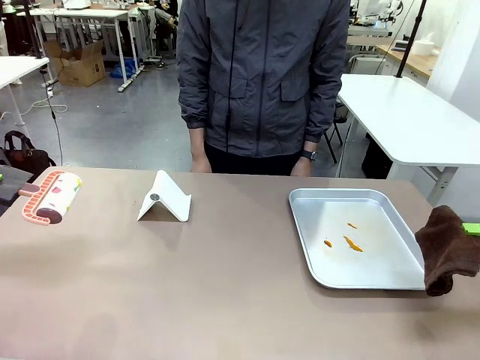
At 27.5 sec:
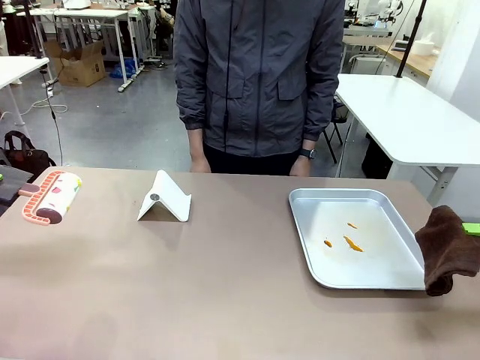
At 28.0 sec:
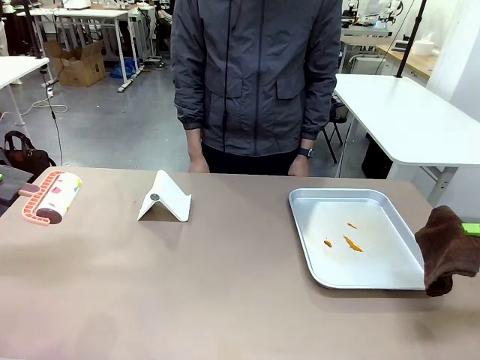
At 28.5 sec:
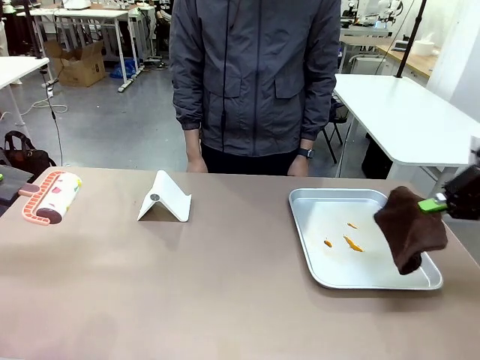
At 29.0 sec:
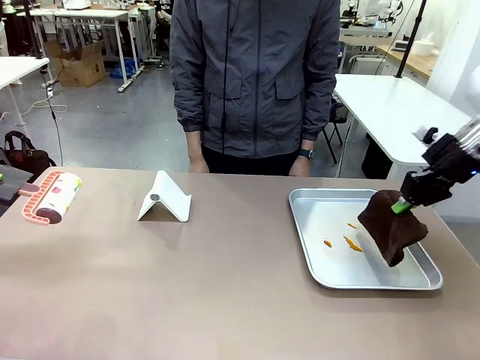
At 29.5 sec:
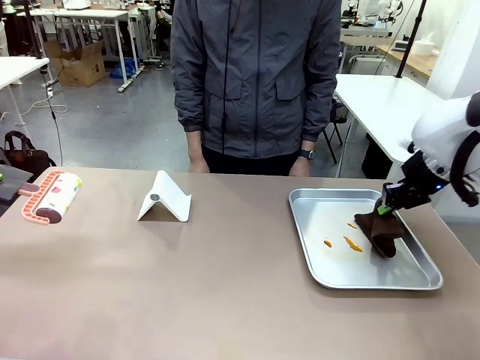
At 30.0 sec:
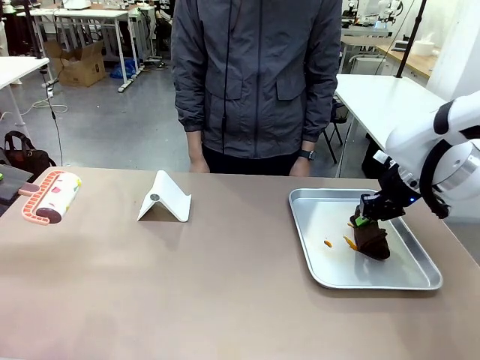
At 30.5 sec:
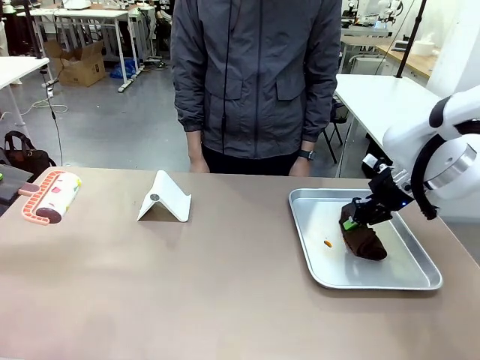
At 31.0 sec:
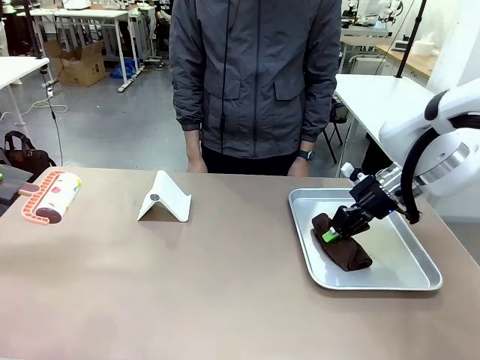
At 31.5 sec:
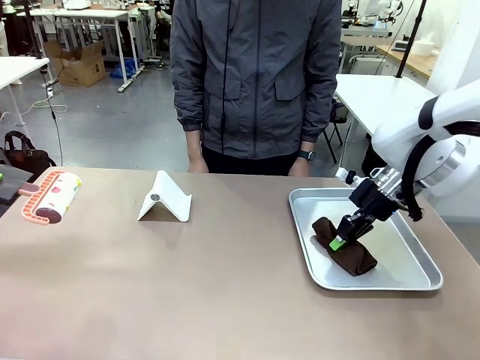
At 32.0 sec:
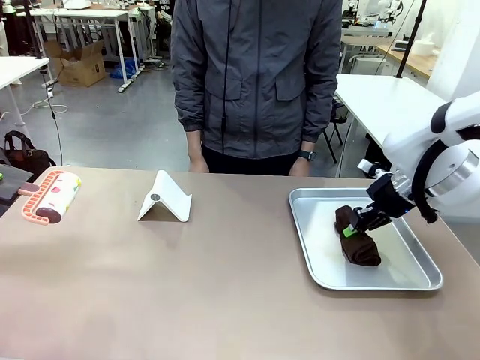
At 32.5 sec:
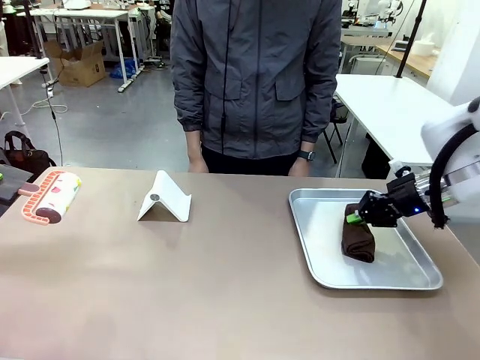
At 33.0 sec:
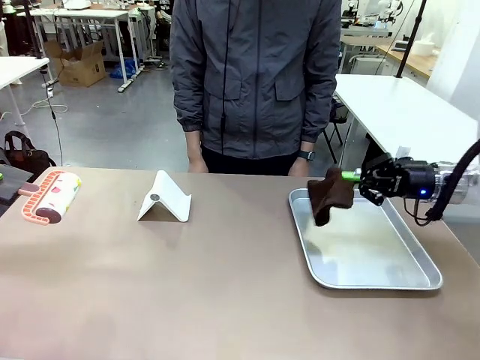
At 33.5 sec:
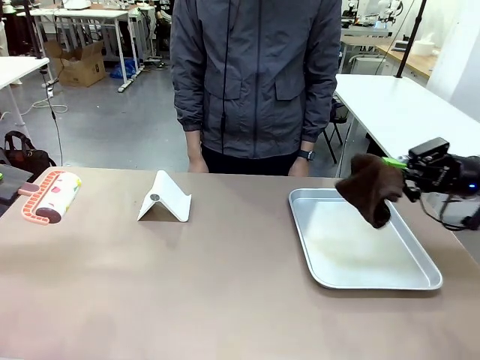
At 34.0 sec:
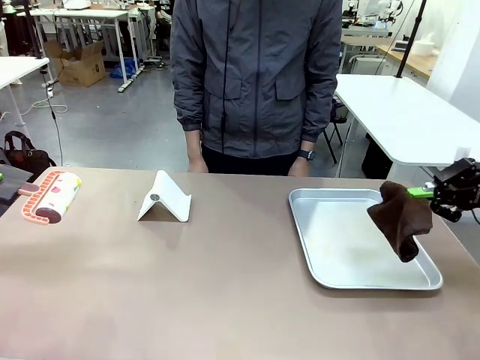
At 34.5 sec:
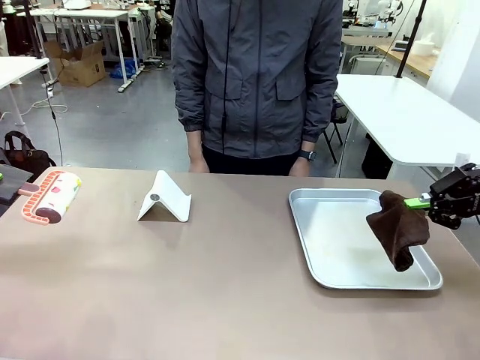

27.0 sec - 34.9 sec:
Task: Clean the surface of the table.
Robot: Clean the area not pointed to by the person.

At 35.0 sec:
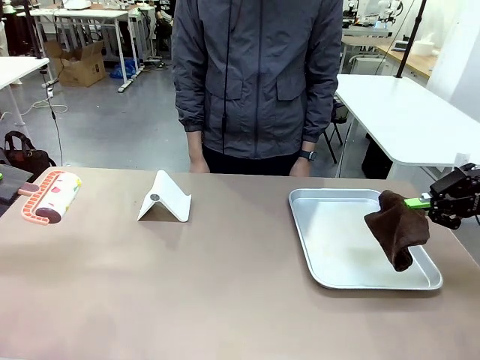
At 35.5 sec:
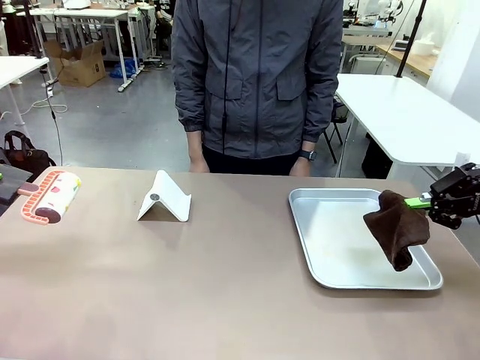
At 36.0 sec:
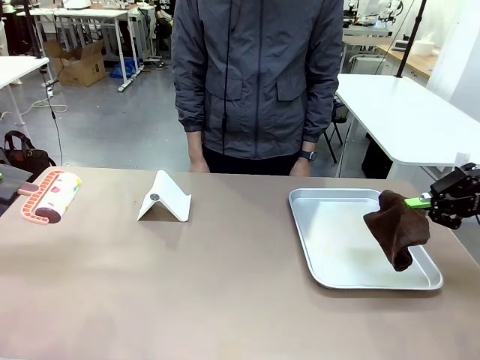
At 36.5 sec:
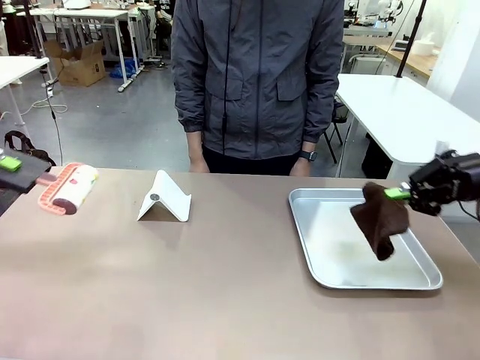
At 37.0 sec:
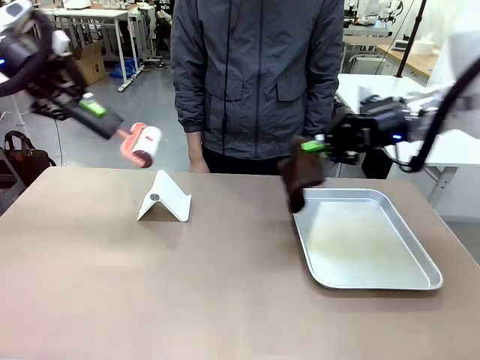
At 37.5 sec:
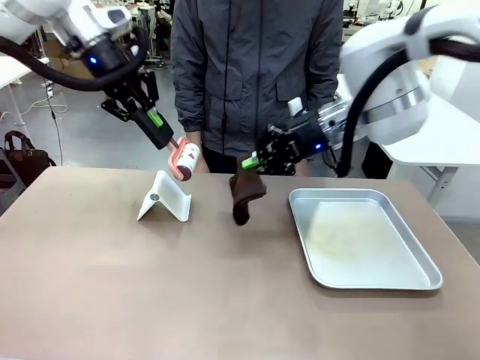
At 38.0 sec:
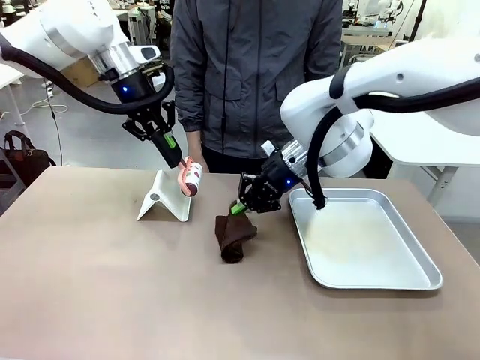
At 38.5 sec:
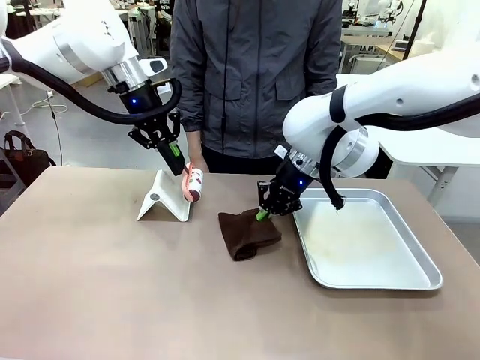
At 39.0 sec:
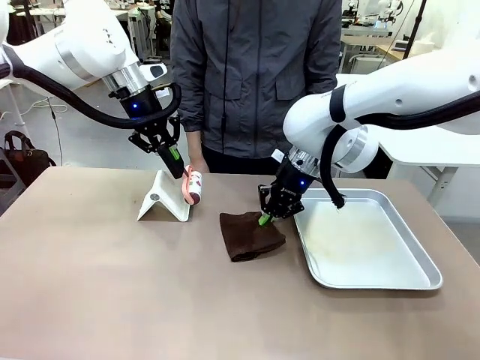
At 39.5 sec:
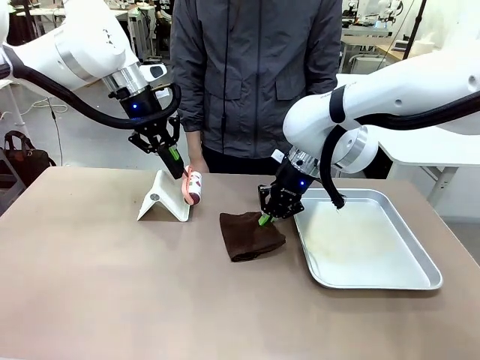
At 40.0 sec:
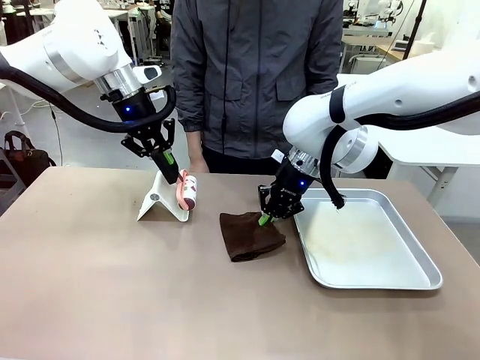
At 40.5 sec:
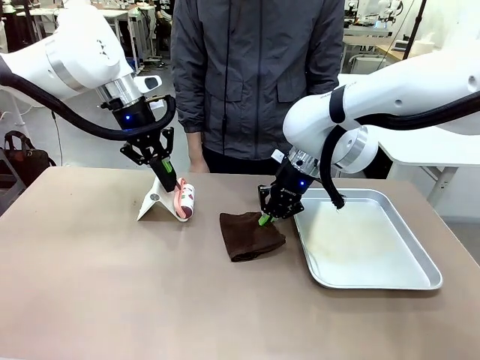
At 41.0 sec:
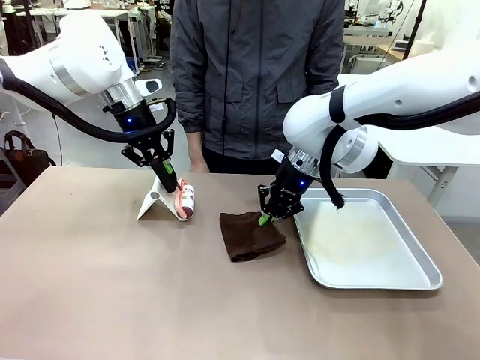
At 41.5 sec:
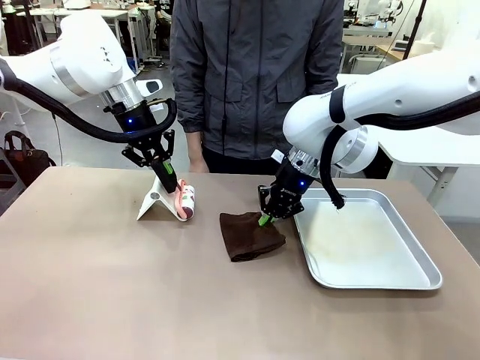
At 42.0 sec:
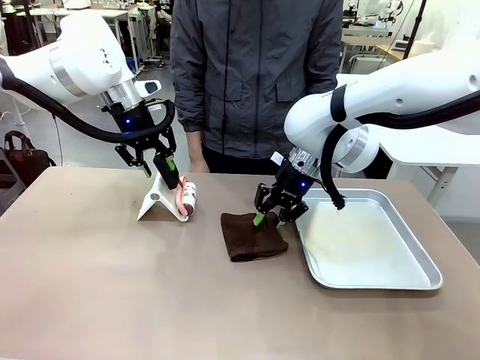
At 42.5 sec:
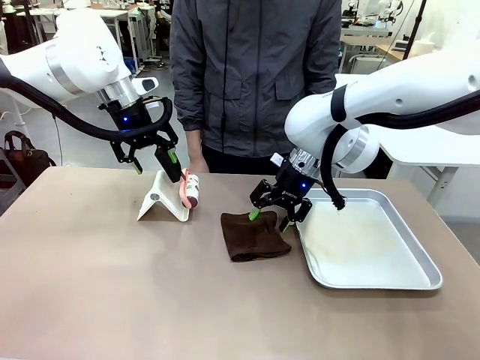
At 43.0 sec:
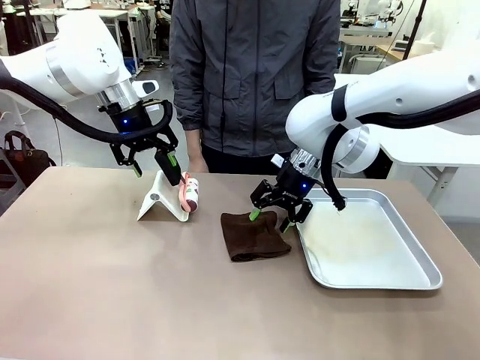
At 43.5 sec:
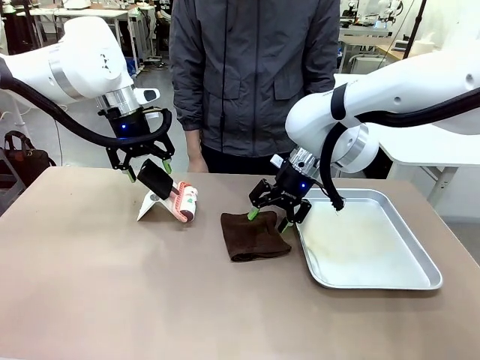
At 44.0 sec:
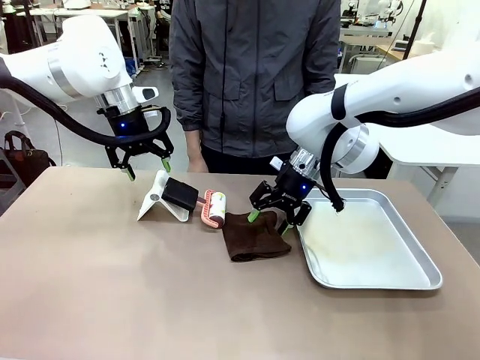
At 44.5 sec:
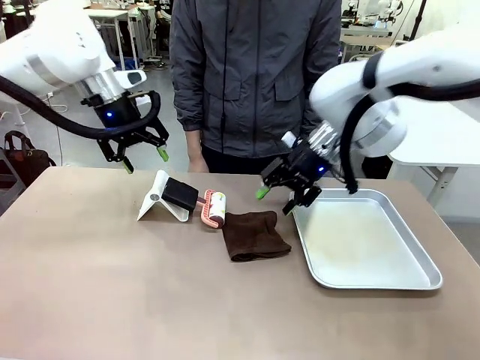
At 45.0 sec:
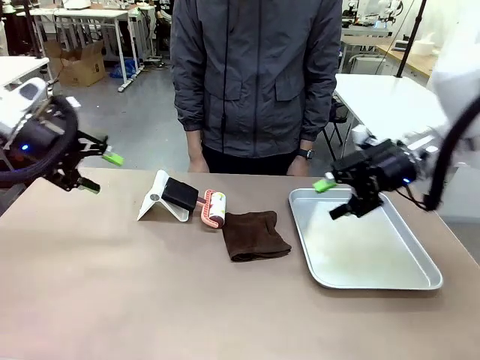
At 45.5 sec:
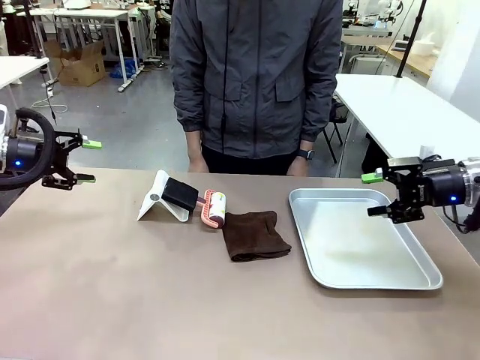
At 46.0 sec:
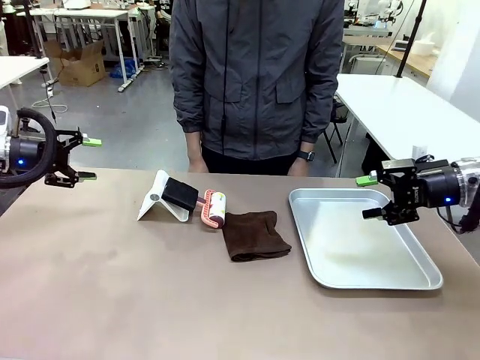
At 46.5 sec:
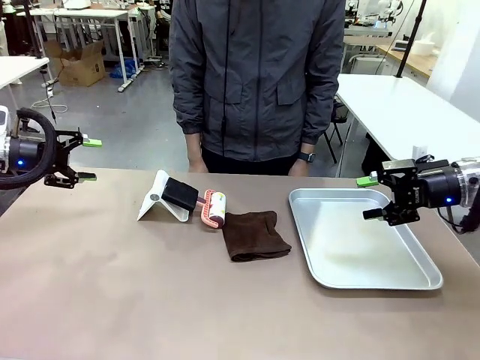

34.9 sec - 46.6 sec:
Robot: Return the Lint Roller and towel to their original positions.

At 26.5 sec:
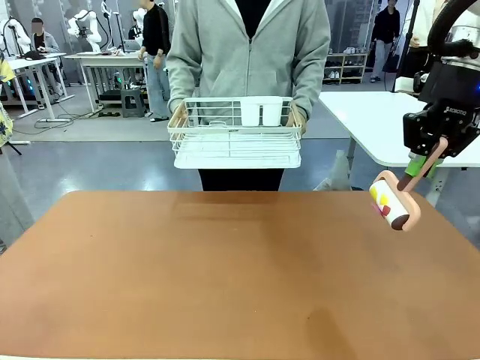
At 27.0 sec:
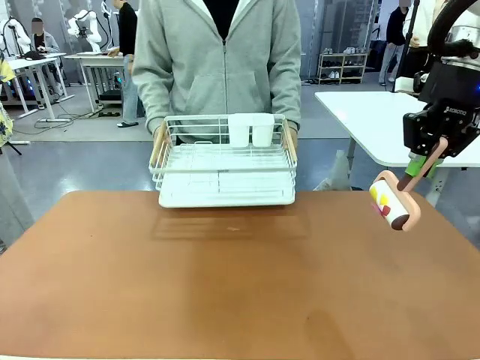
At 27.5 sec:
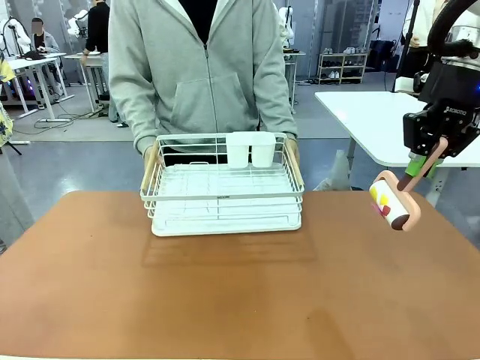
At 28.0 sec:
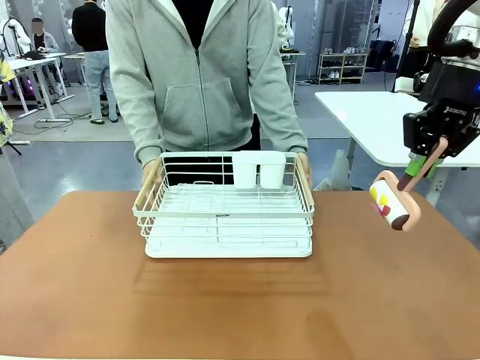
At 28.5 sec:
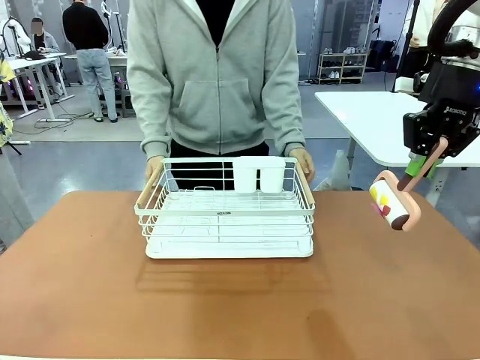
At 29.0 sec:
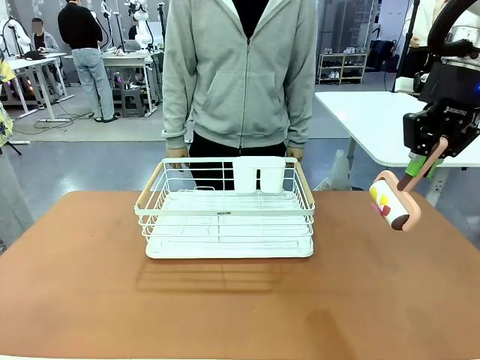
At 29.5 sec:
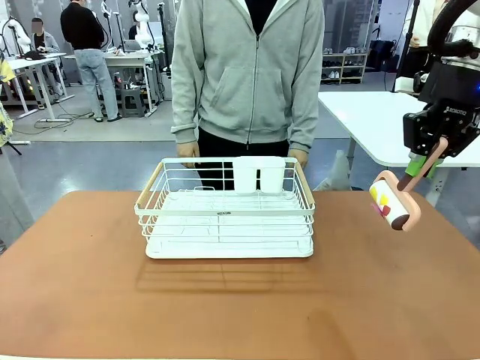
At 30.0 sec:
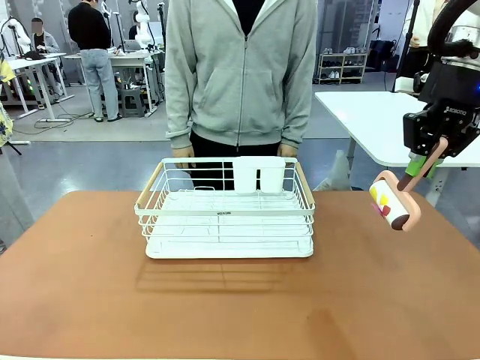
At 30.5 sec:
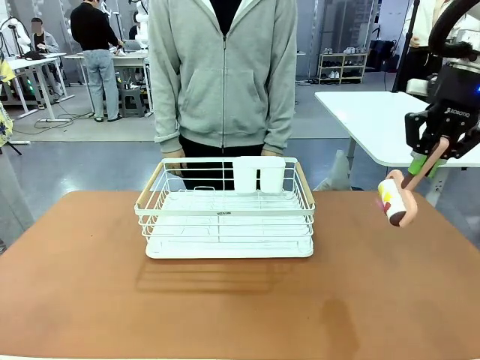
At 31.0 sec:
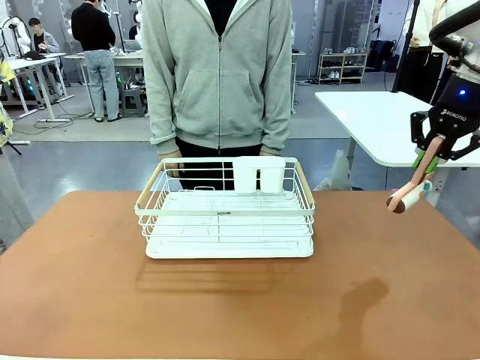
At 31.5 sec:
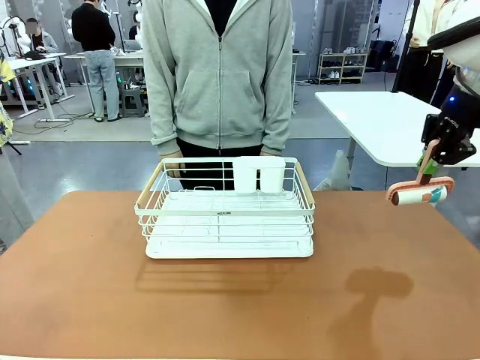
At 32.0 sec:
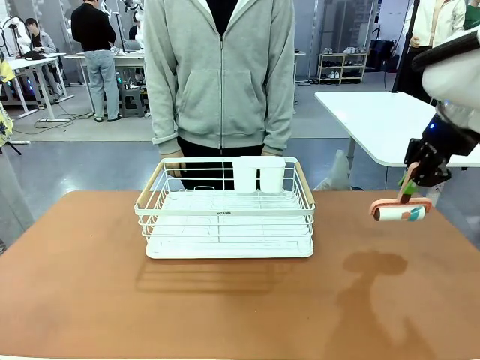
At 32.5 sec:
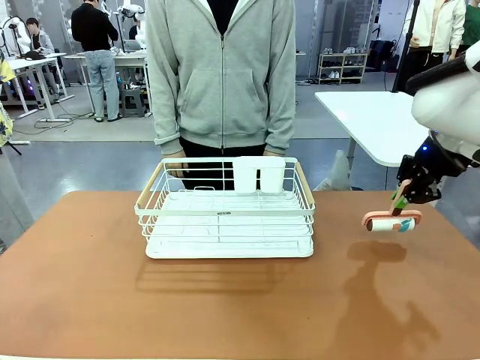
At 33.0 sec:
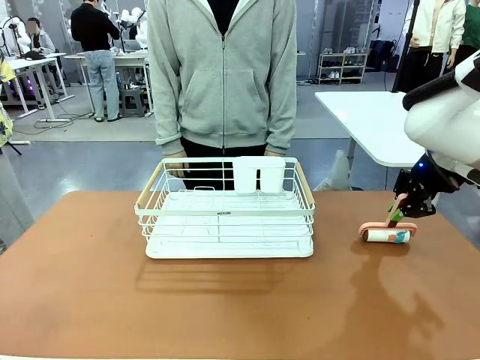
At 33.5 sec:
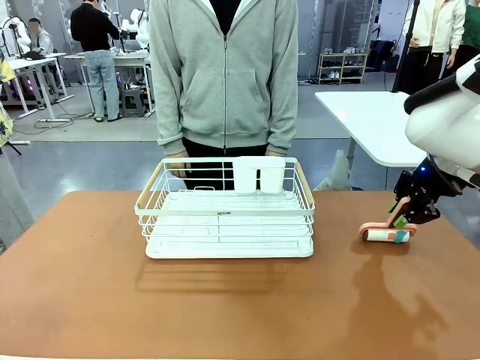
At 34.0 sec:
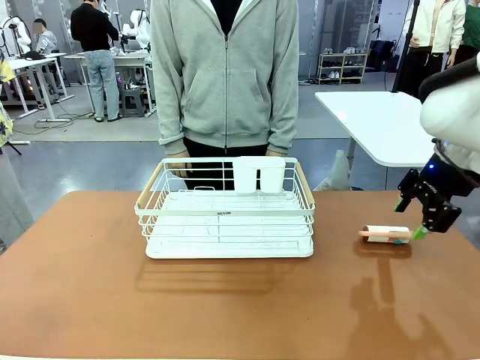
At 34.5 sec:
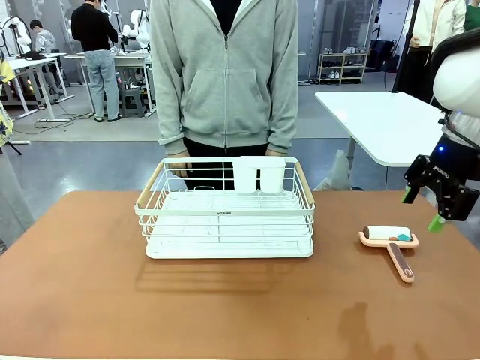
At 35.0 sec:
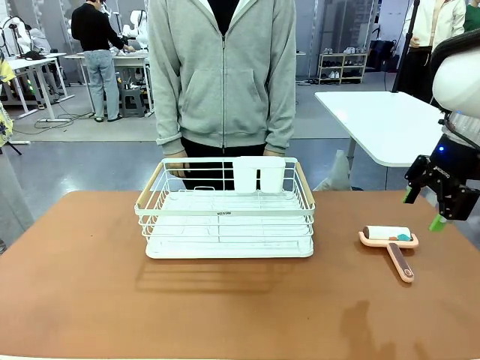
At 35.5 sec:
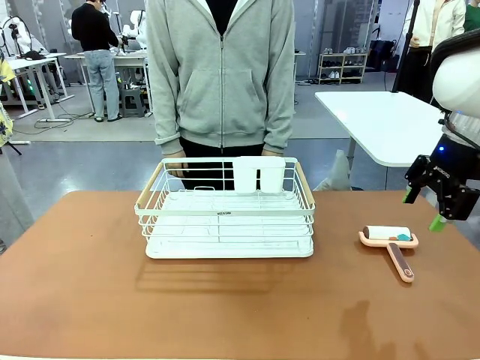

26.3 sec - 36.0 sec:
Task: Clean the table.
Robot: Place the Lint Roller down when the Dish drying rack is positioned in the middle of the table.
Person: Place the Dish drying rack down when the robot finishes cleaning.
